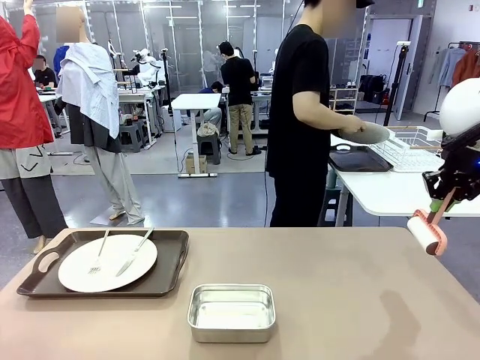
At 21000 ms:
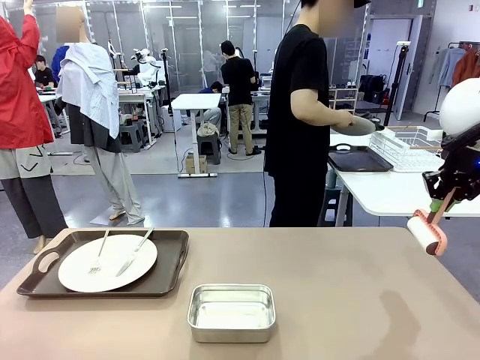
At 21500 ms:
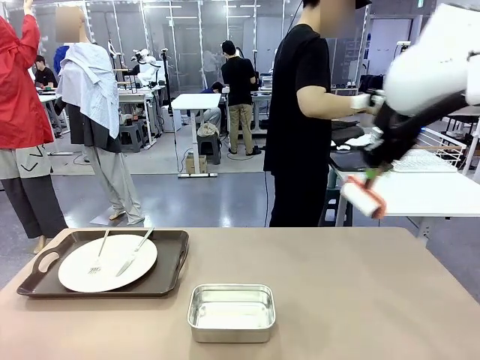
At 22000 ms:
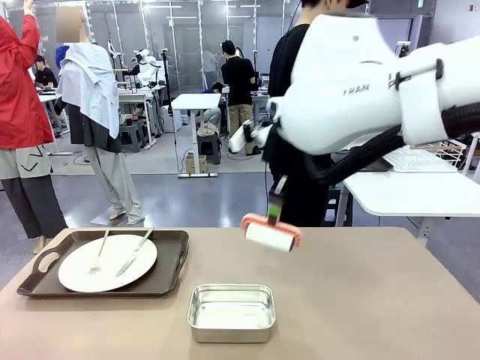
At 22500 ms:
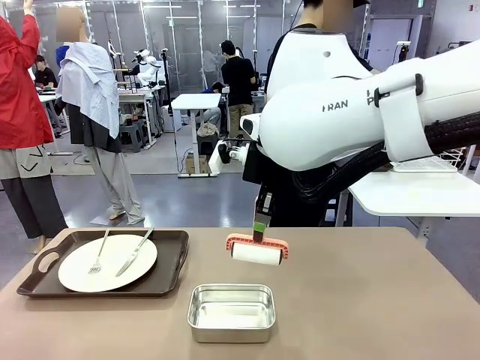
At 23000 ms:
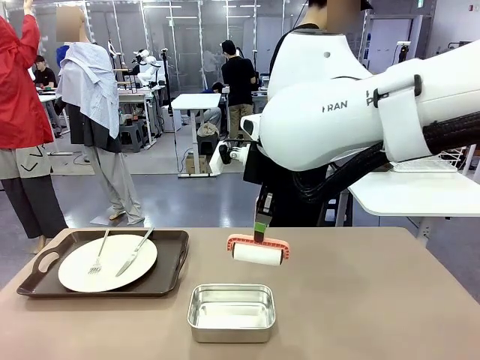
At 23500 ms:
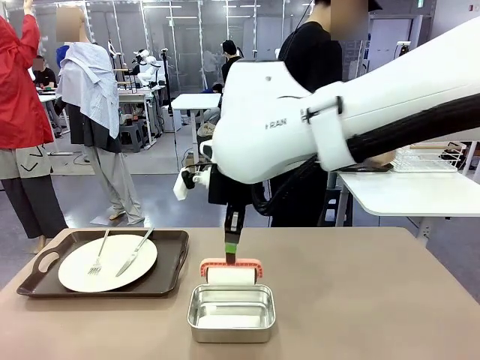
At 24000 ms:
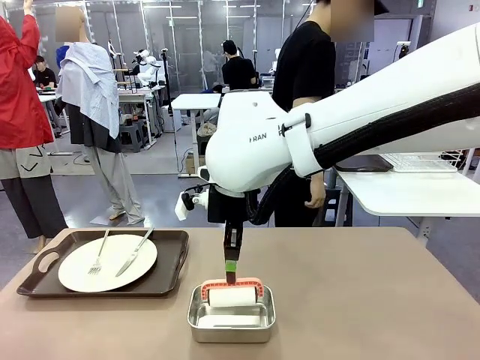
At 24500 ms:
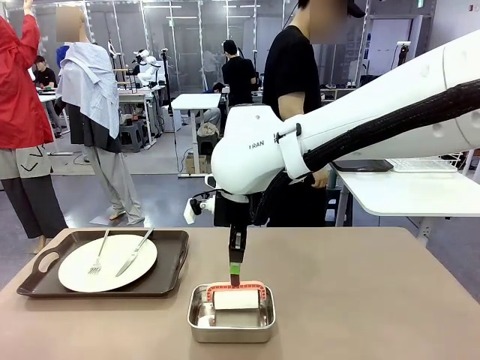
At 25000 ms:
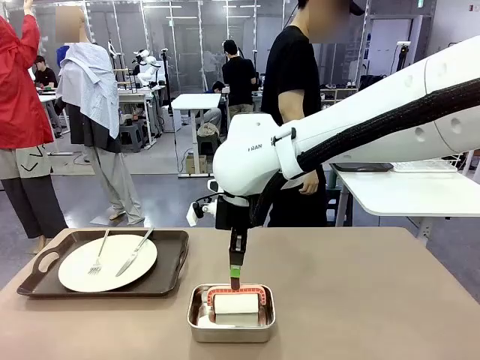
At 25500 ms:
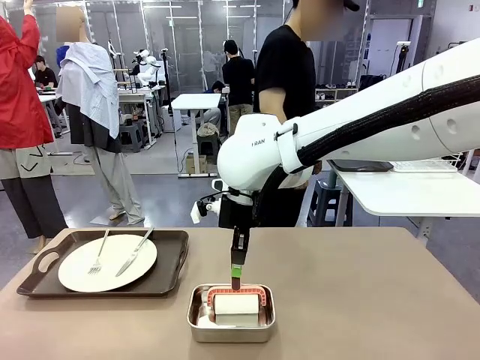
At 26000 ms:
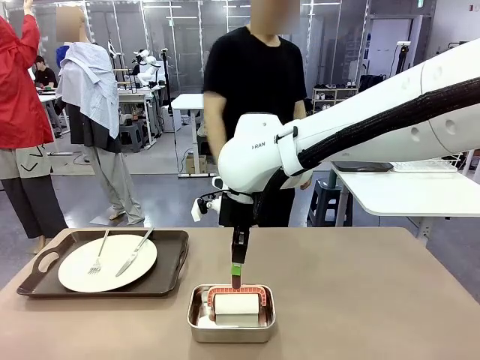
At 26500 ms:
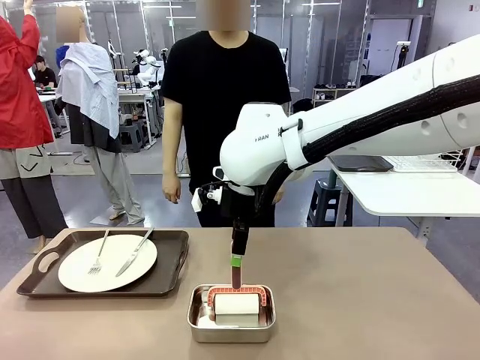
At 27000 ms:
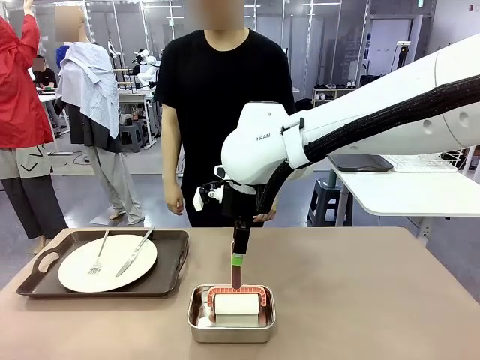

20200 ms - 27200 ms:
Robot: Place the Lint Roller back on top of the Airtight Container.

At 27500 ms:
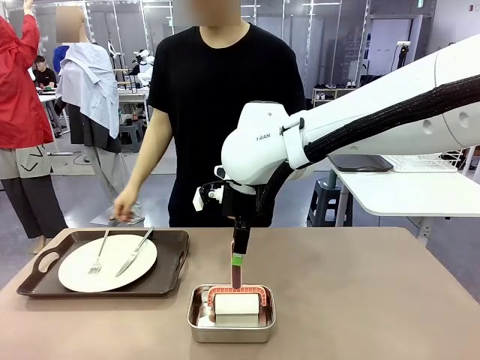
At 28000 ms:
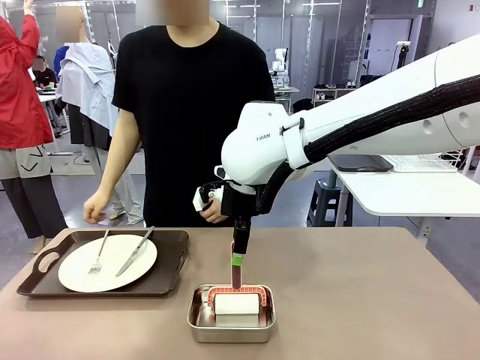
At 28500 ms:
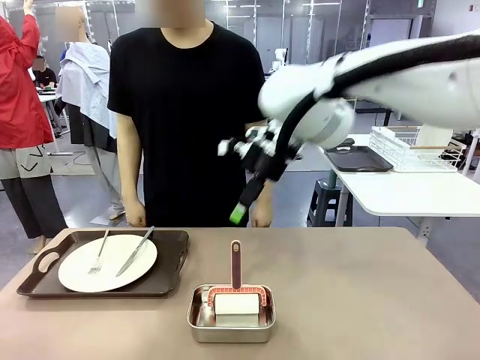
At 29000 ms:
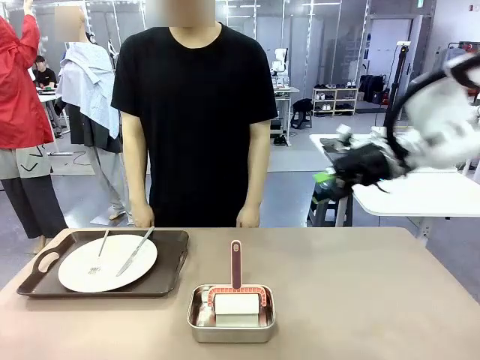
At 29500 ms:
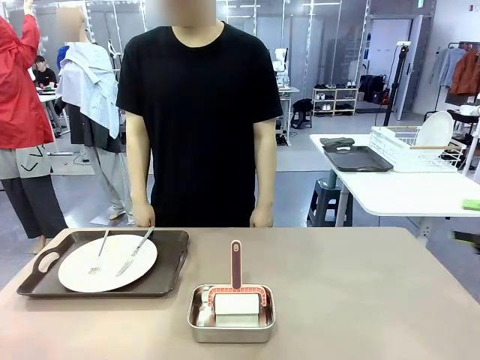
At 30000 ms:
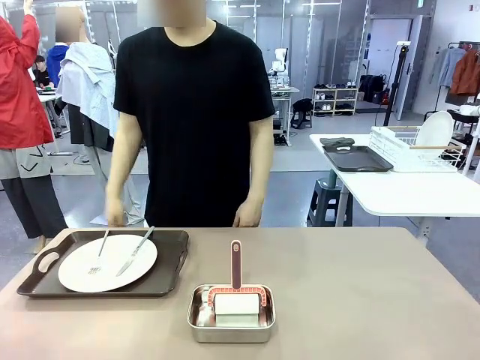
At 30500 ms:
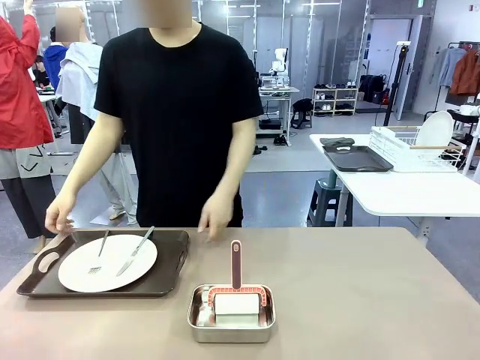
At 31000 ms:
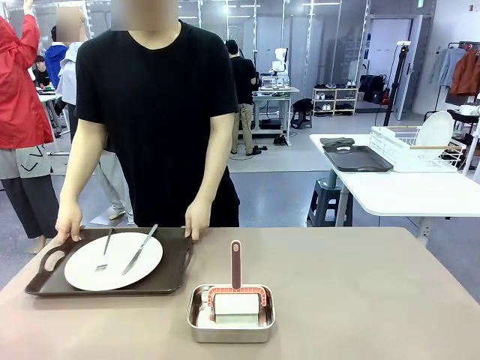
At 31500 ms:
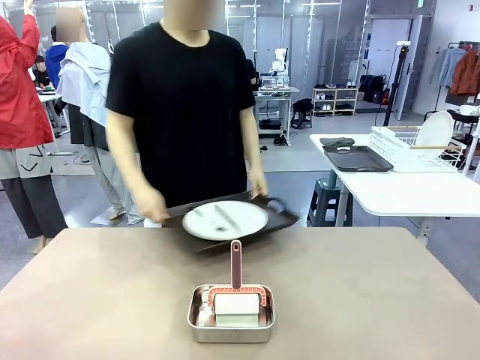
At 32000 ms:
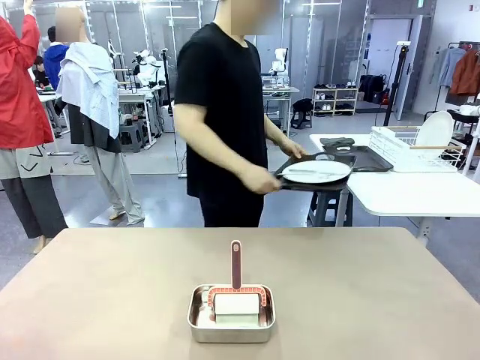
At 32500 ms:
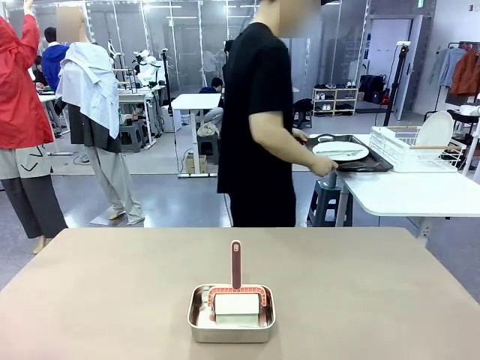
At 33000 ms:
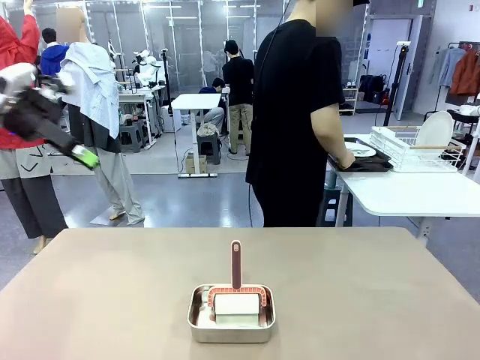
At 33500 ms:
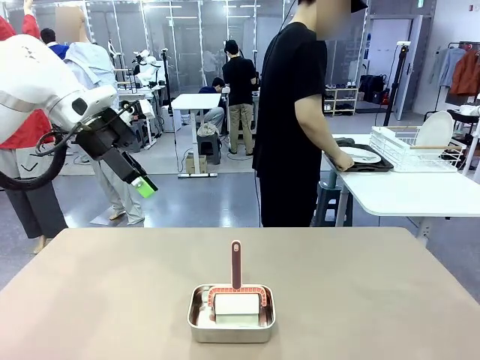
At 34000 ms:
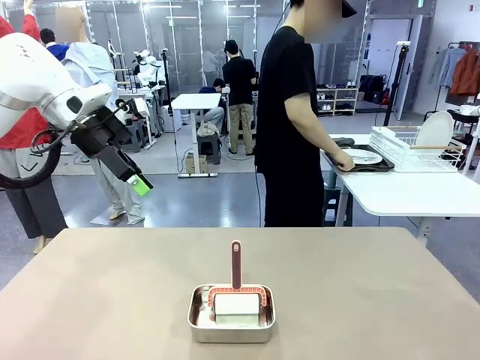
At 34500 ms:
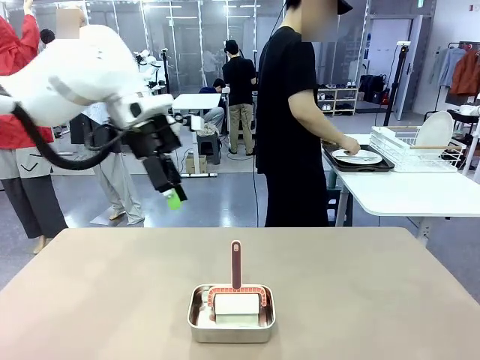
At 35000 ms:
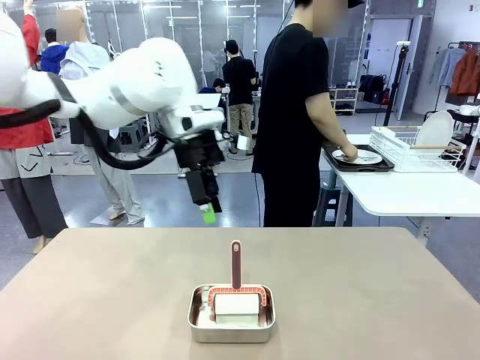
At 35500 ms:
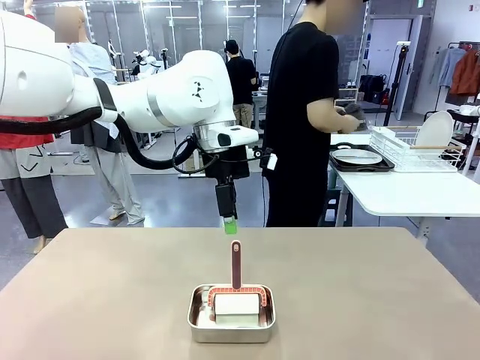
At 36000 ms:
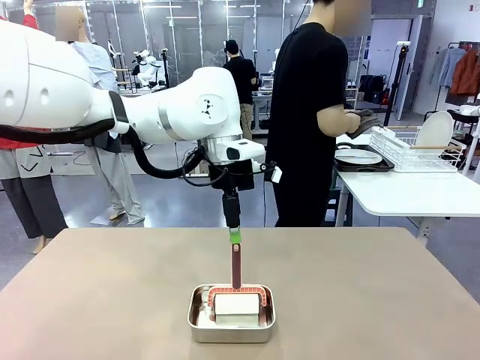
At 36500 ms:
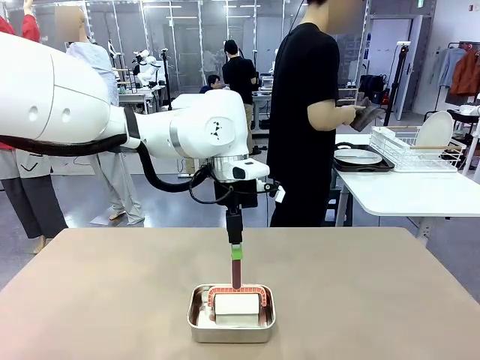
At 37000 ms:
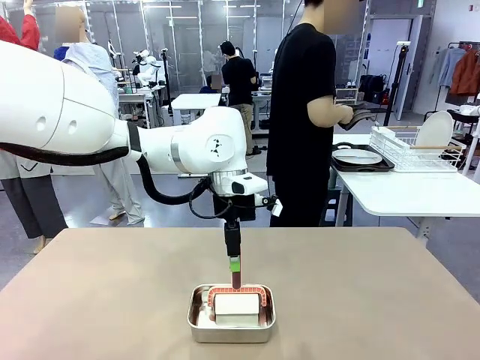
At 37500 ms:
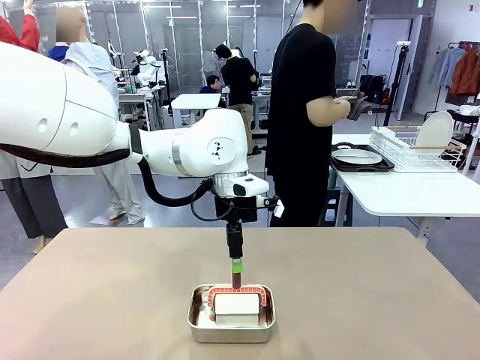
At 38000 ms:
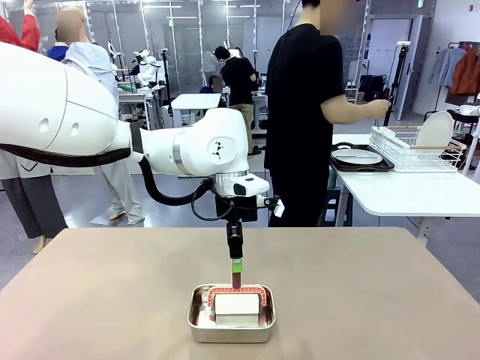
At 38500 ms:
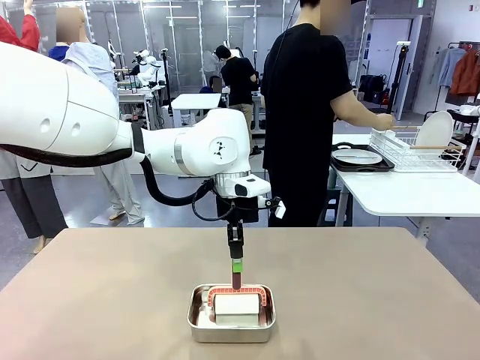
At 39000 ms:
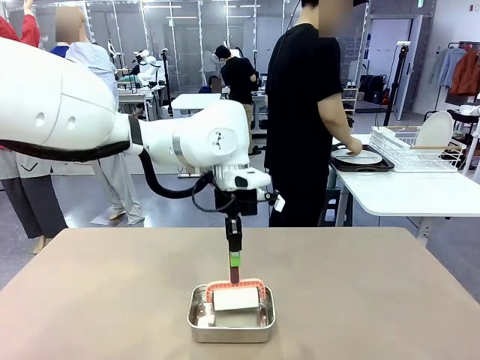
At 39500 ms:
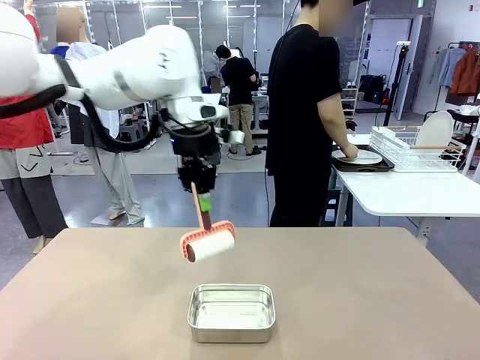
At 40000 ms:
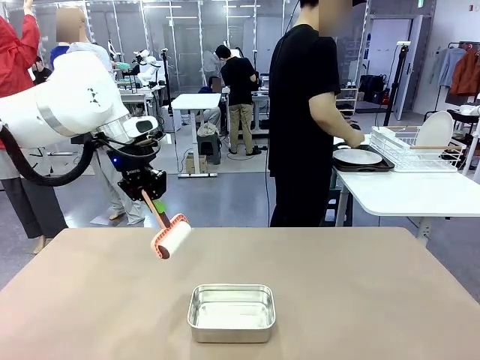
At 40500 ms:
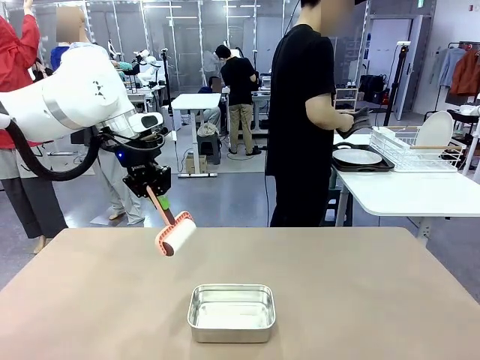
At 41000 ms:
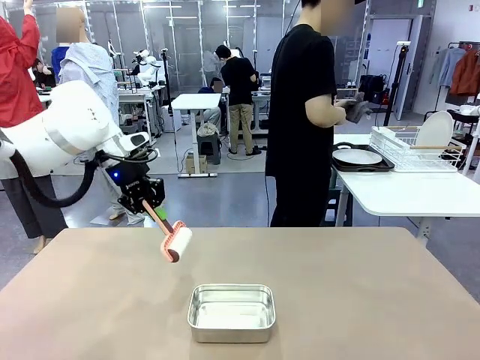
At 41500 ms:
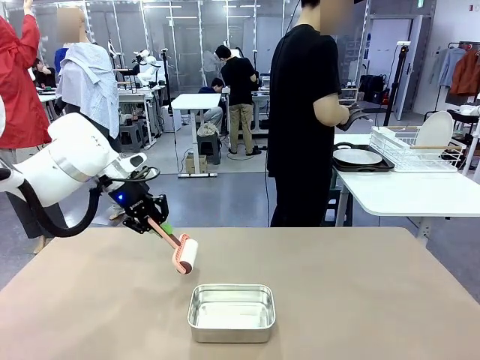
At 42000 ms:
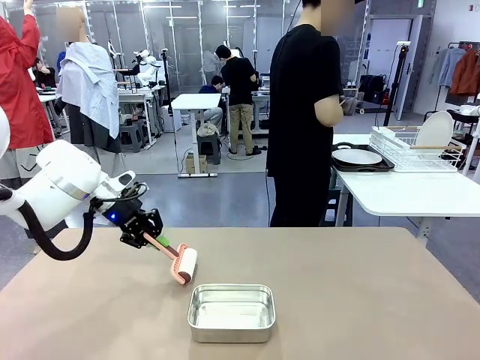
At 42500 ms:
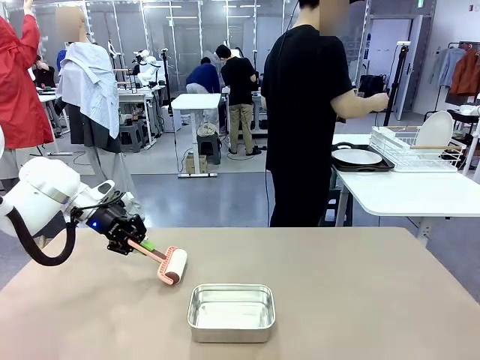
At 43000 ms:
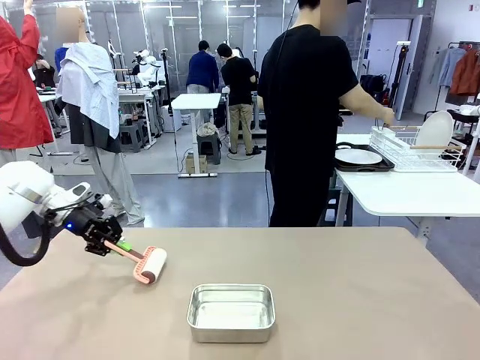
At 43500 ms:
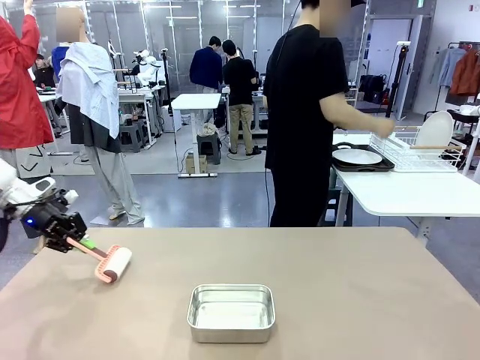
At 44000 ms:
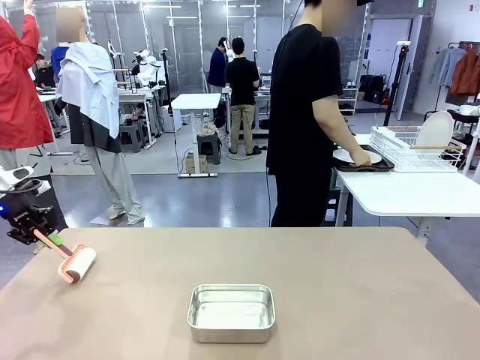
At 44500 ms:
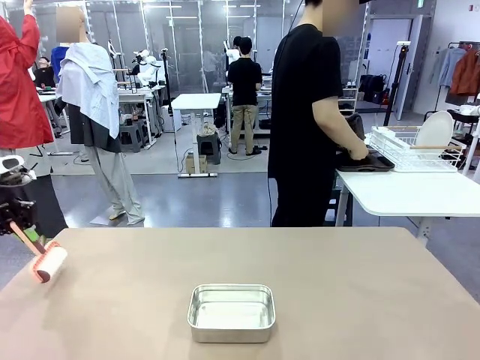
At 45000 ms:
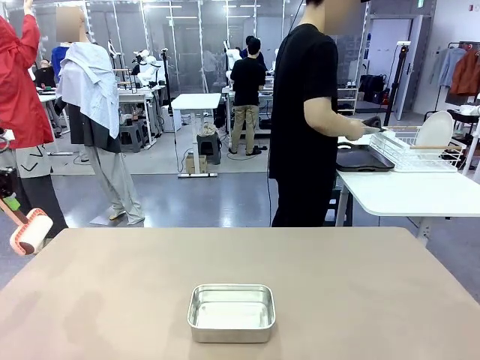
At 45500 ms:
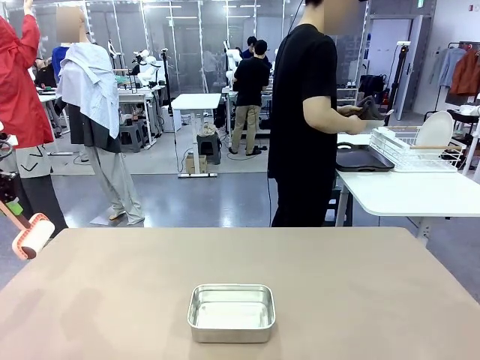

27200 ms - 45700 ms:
Robot: When the right (or left) Handle tray is removed, use the right hand (or left hand) to clean the right (or left) side of the table with the Lint Roller.
Person: Pick up the left (or right) Handle tray and place it on the Handle tray. Use the Towel with hook to wipe the Plastic Matte Plate , Fork , and Knife and place into the Dish drying rack.
